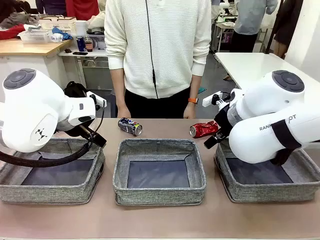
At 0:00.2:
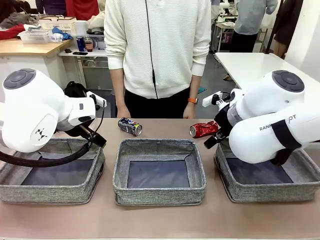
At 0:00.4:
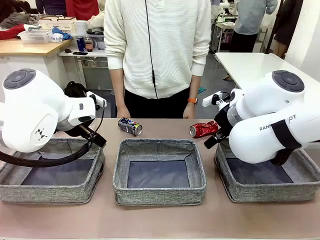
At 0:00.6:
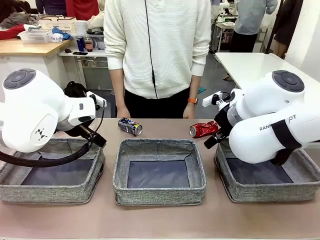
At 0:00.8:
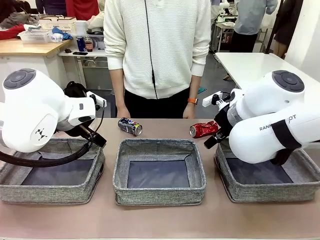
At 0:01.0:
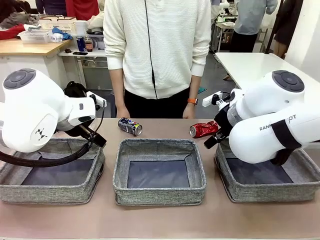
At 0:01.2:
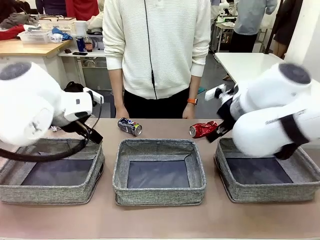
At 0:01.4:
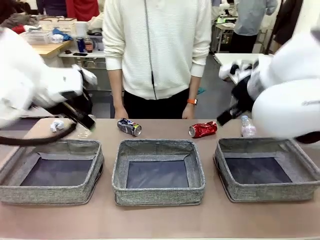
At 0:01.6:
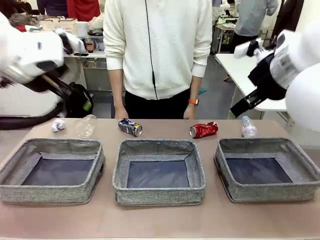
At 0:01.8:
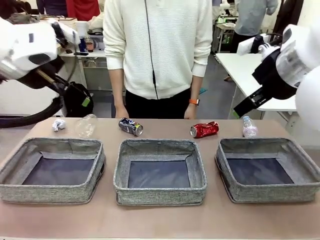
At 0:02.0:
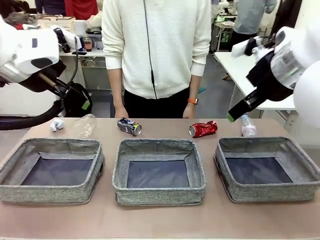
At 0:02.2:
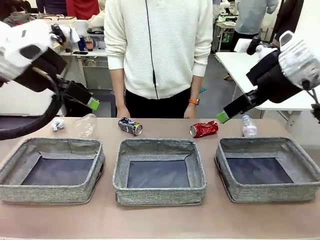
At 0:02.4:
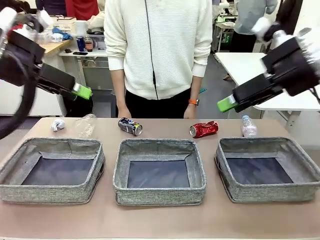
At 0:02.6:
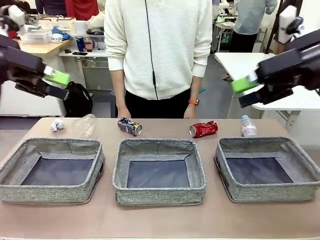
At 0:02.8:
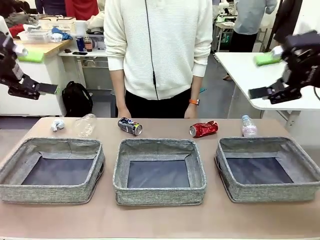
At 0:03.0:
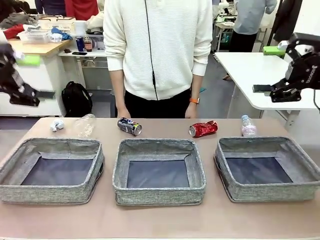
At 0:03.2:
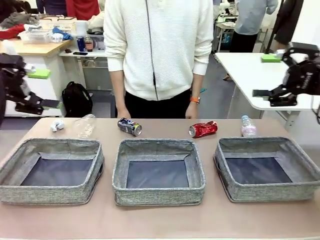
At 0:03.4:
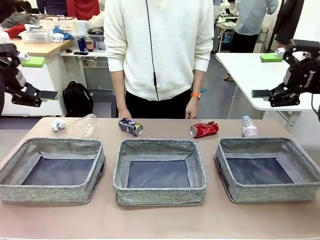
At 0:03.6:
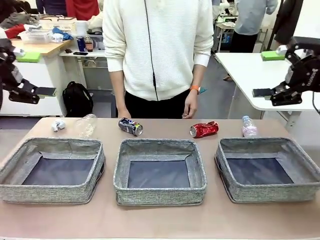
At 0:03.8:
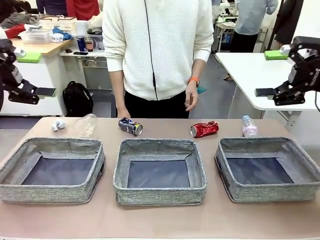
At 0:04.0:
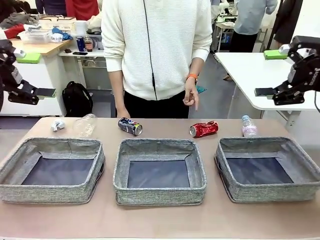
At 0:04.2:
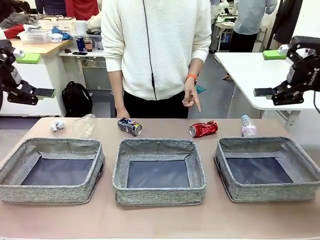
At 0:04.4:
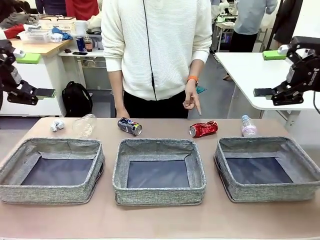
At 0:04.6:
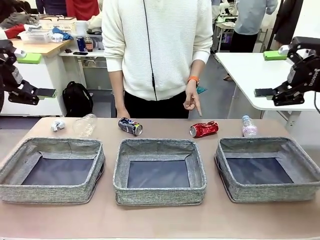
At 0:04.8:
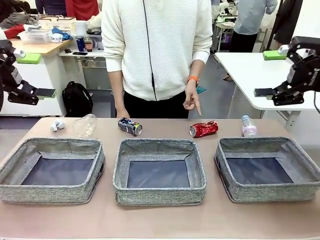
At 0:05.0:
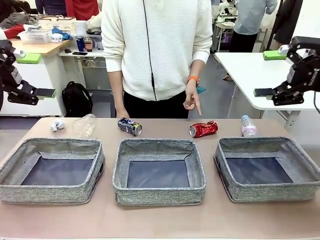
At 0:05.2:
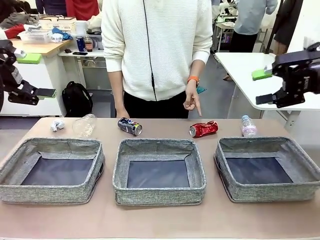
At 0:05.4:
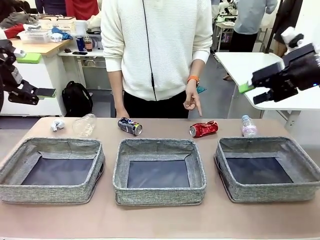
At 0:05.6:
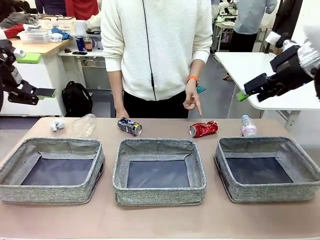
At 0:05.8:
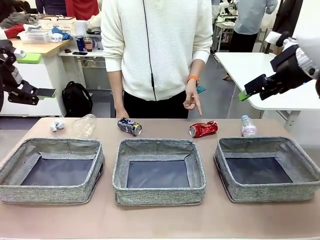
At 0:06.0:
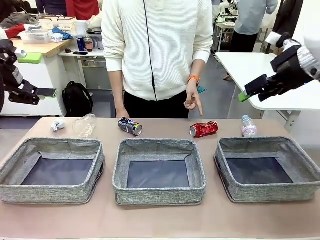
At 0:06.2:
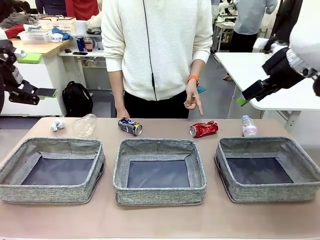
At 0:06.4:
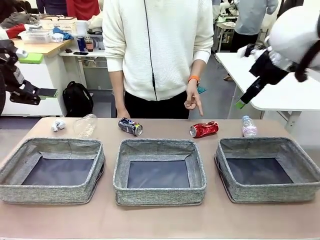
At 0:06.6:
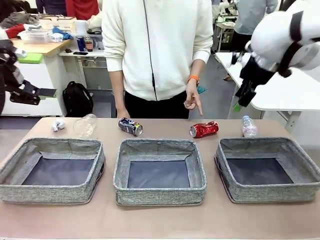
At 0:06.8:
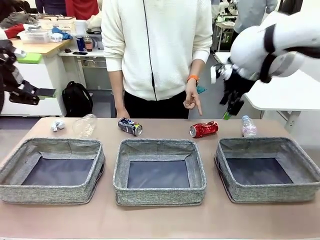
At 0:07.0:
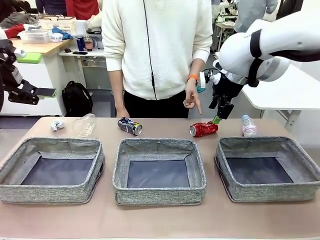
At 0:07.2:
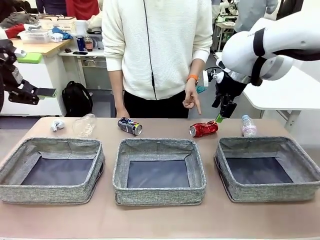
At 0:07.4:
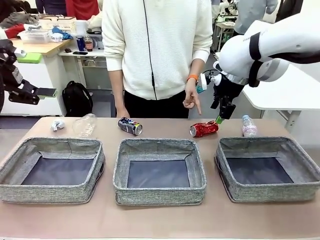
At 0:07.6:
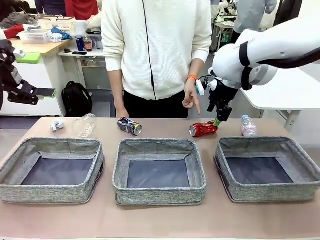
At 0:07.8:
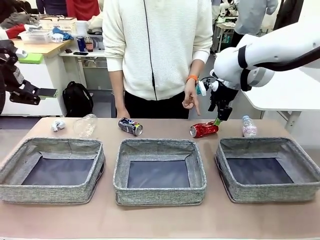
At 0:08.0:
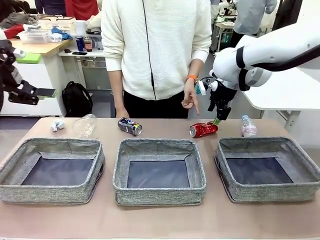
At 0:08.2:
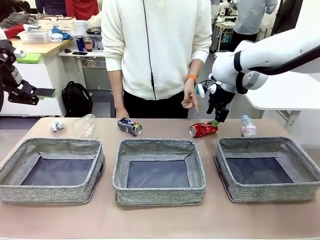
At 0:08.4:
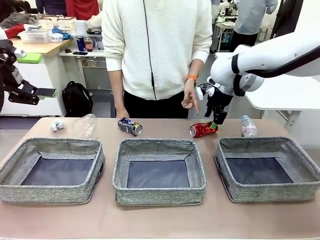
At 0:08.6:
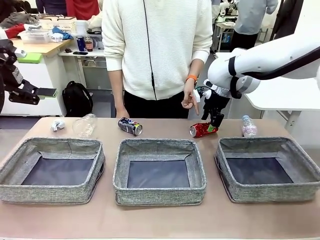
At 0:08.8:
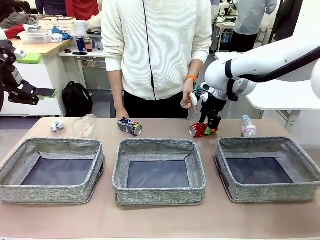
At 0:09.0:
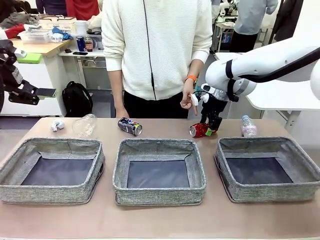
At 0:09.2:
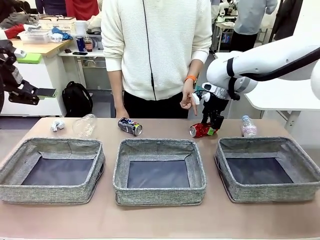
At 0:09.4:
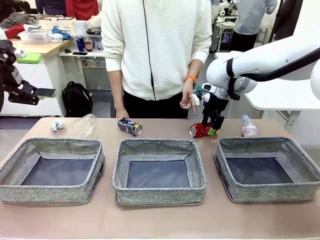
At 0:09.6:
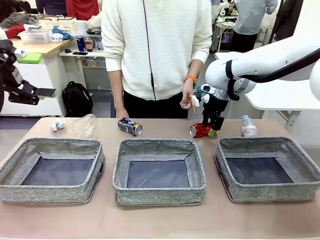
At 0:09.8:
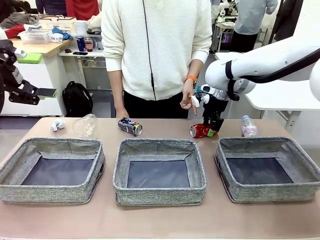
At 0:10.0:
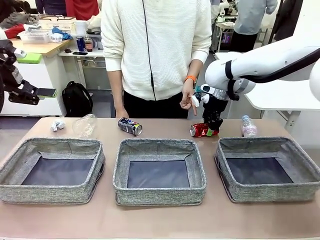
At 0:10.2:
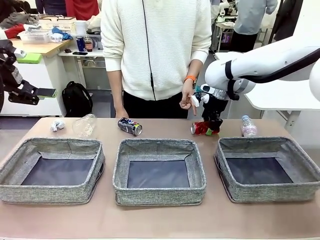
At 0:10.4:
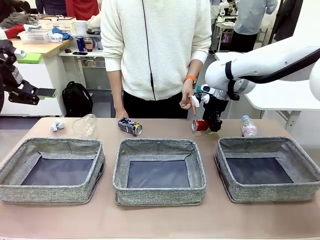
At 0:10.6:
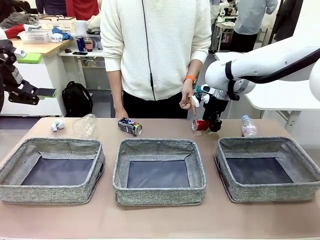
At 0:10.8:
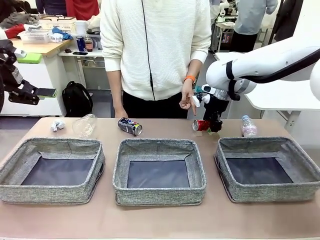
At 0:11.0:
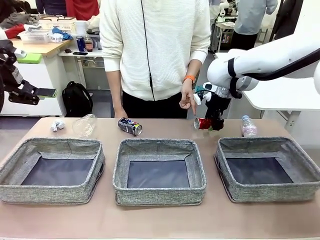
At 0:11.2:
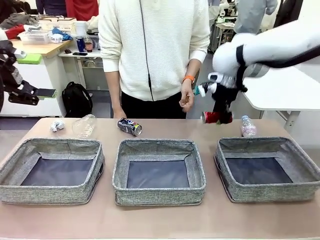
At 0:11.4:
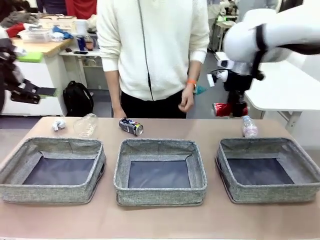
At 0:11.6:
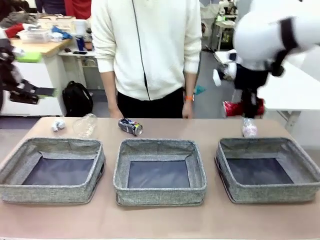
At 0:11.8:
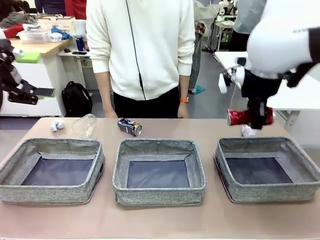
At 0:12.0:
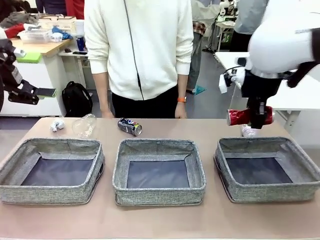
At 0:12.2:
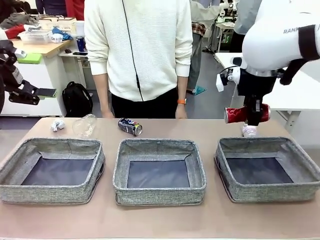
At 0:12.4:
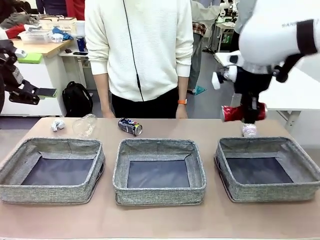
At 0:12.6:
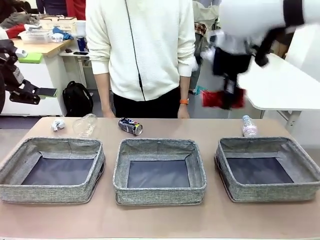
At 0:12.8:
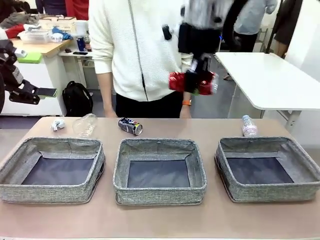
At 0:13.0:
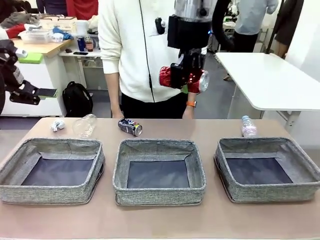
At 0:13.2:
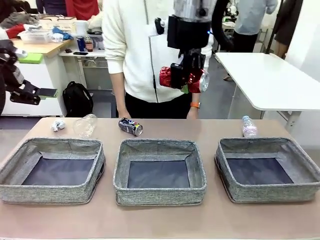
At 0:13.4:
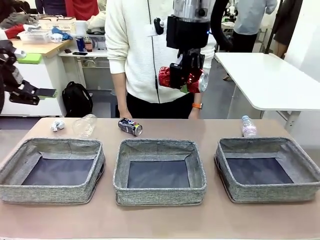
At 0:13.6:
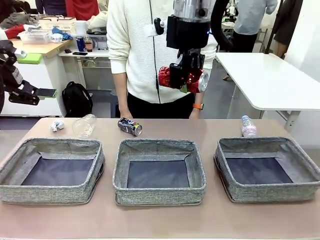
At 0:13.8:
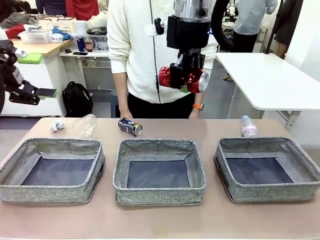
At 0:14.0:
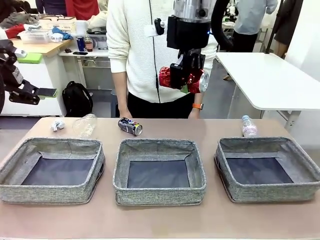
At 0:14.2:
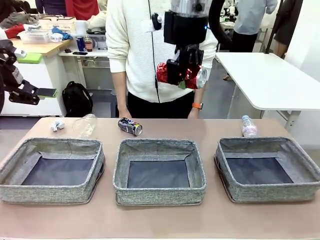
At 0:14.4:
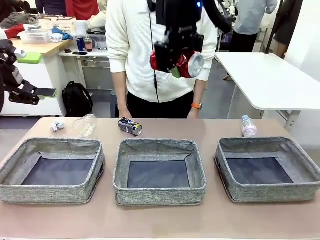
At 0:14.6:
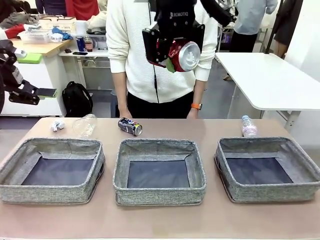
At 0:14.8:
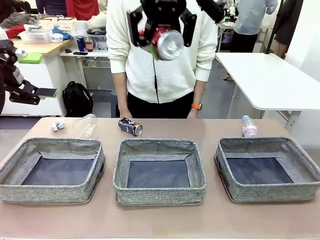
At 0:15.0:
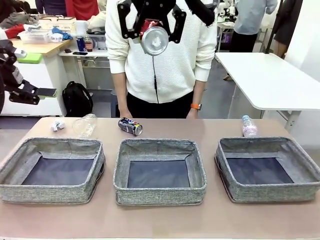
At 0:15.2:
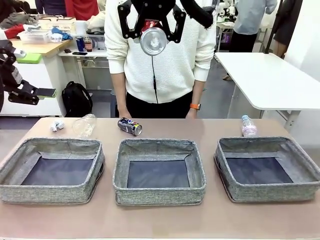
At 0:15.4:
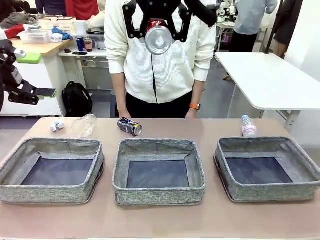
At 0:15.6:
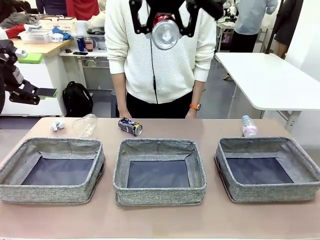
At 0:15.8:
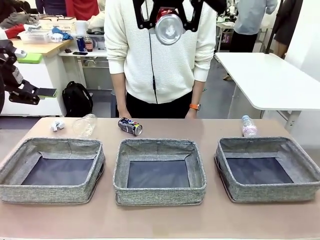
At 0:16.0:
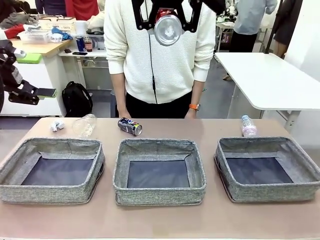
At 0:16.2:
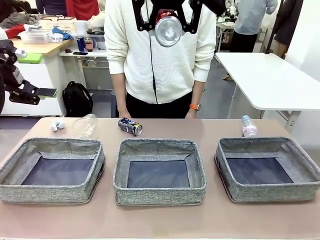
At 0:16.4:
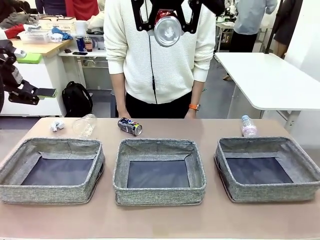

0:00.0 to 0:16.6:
Task: Sort the waste into the appropriate baskets.
Robot: Pick up the waste item pointed out by the person.
Person: Points to one piece of trash on the table.
